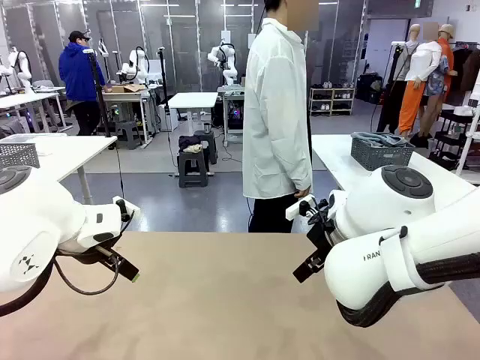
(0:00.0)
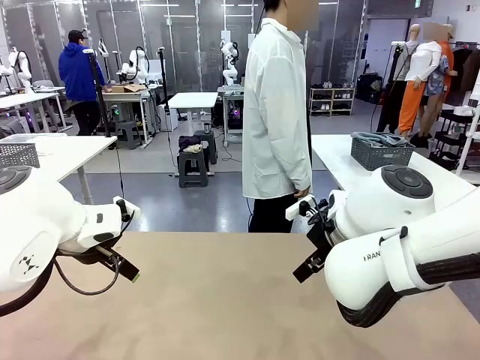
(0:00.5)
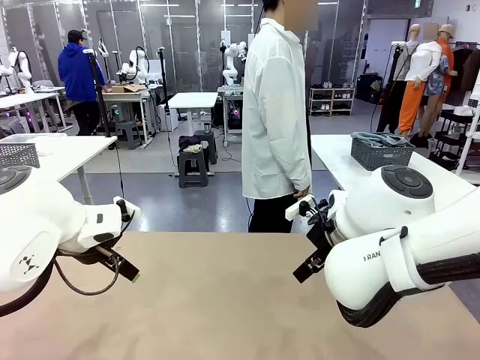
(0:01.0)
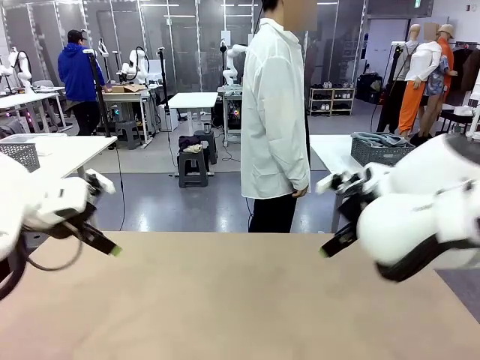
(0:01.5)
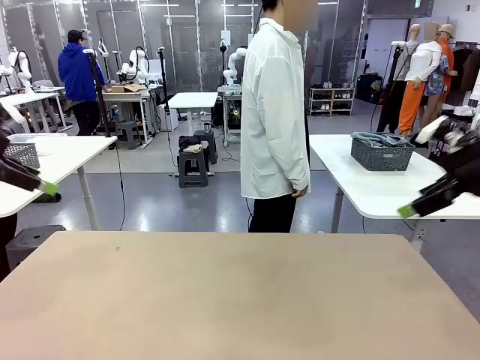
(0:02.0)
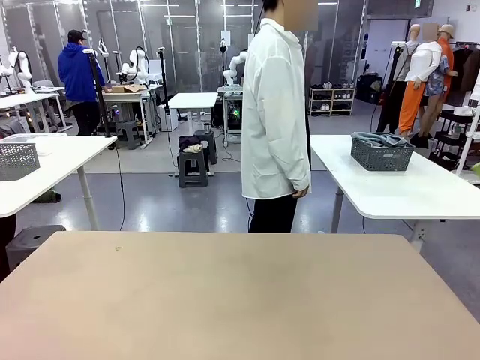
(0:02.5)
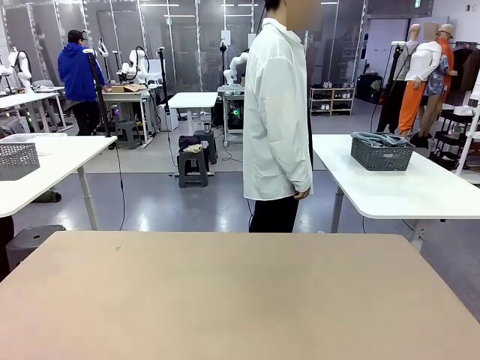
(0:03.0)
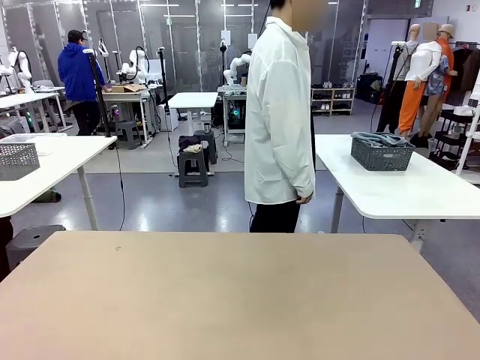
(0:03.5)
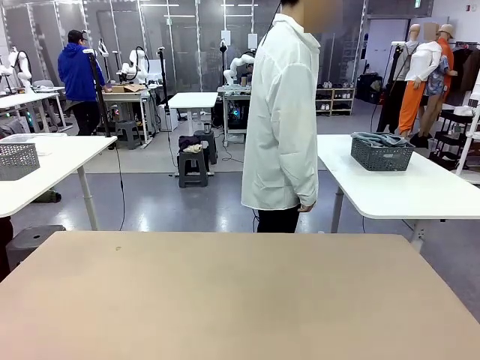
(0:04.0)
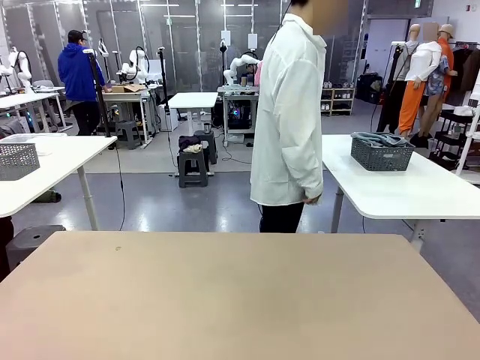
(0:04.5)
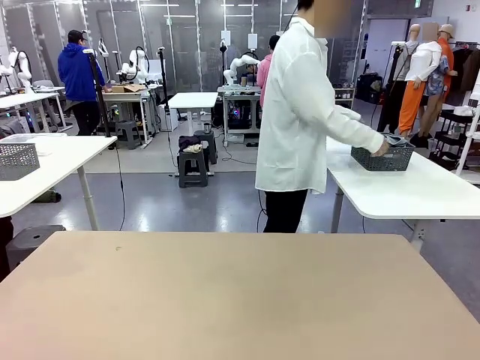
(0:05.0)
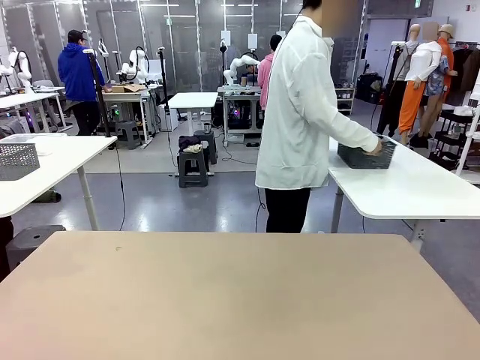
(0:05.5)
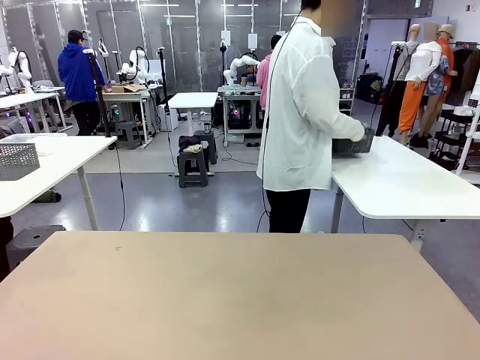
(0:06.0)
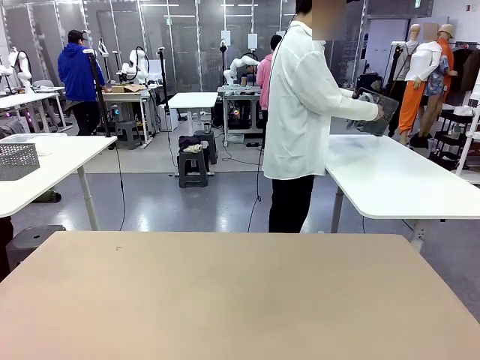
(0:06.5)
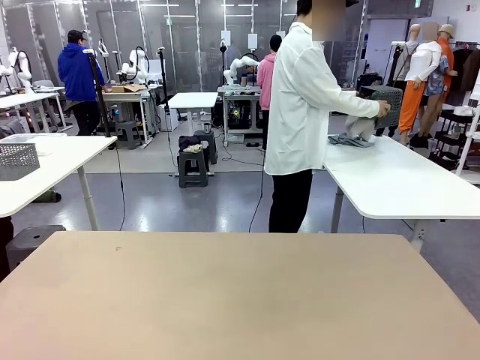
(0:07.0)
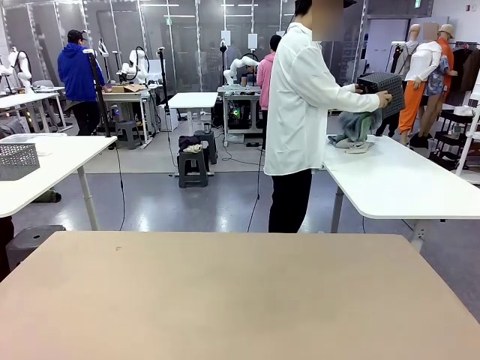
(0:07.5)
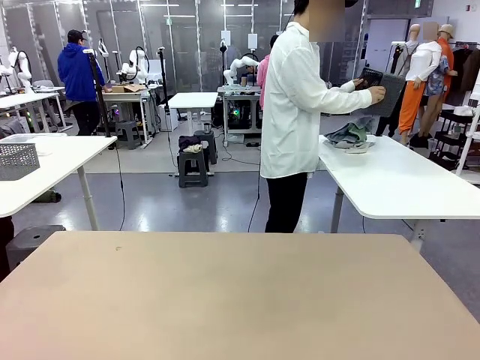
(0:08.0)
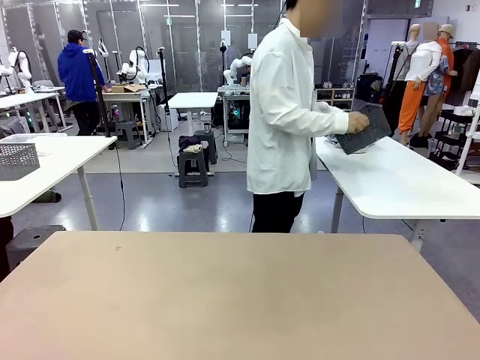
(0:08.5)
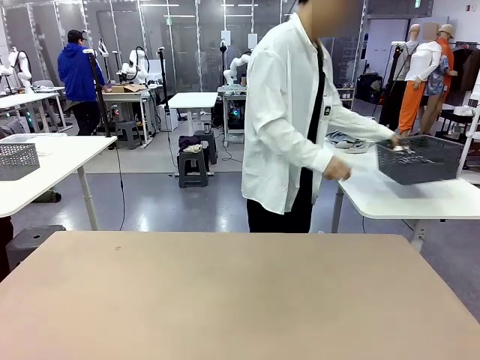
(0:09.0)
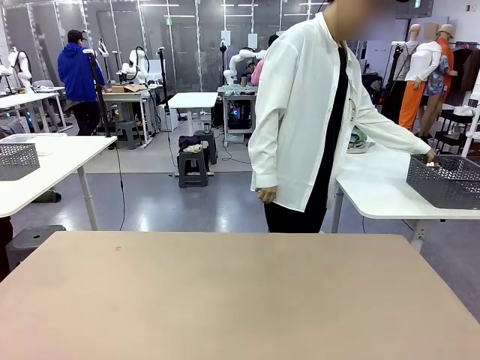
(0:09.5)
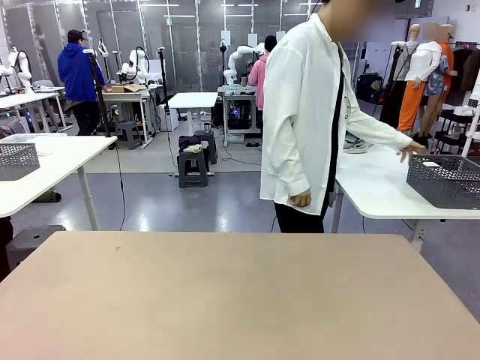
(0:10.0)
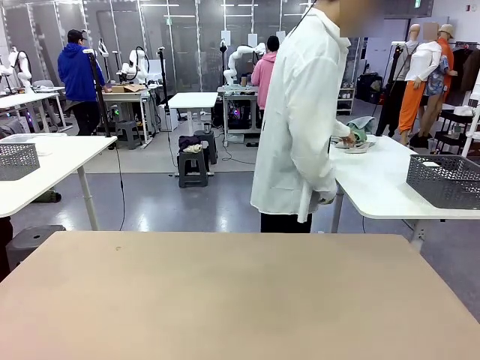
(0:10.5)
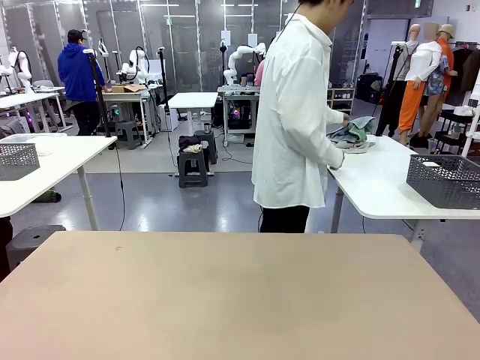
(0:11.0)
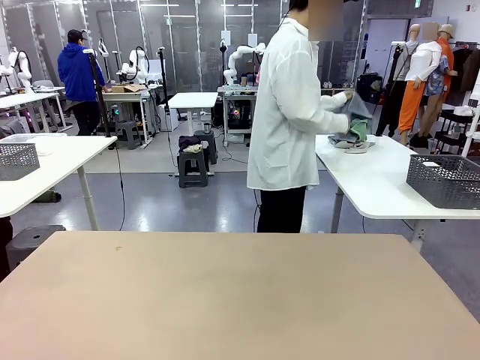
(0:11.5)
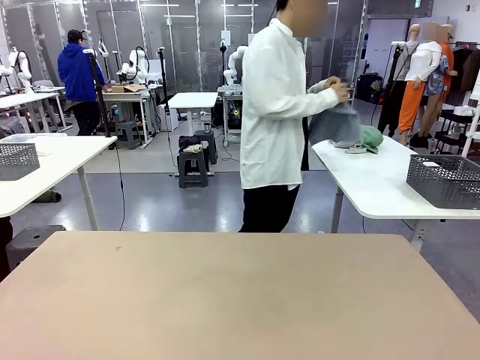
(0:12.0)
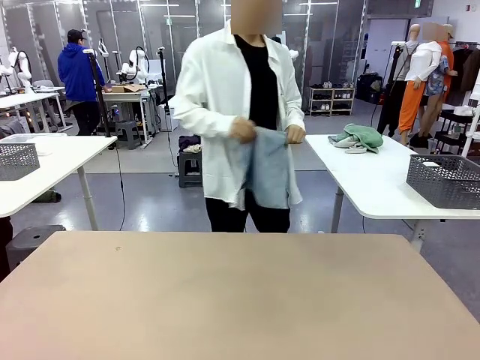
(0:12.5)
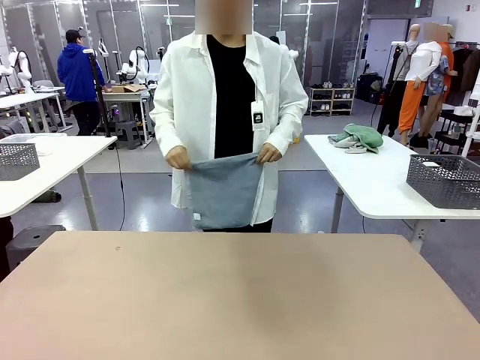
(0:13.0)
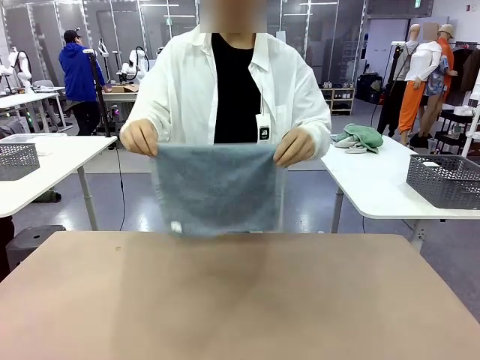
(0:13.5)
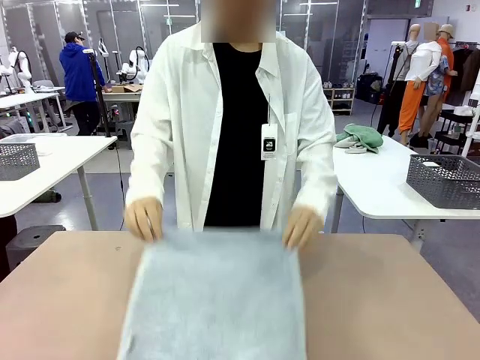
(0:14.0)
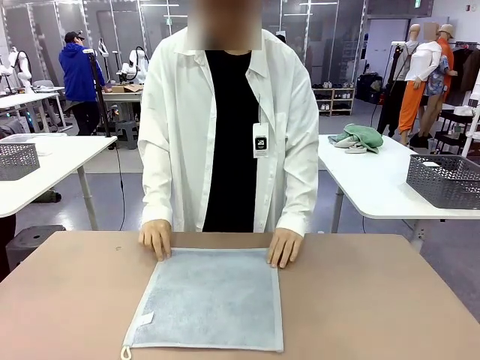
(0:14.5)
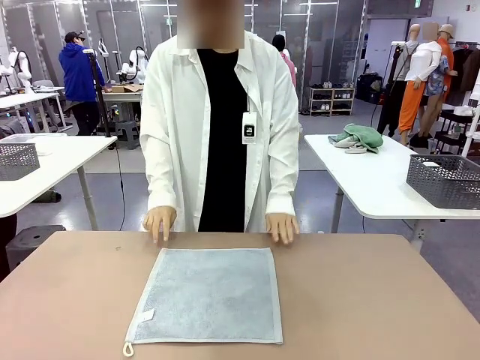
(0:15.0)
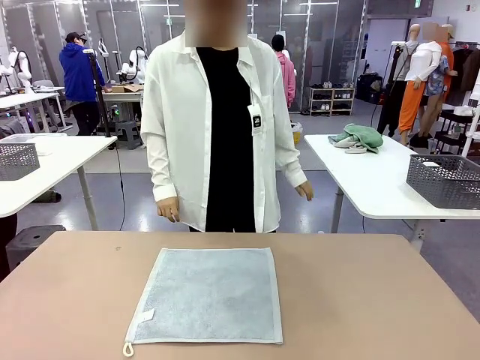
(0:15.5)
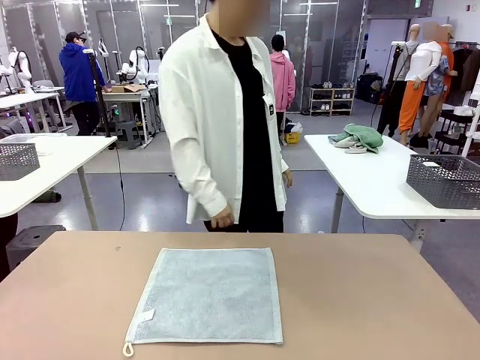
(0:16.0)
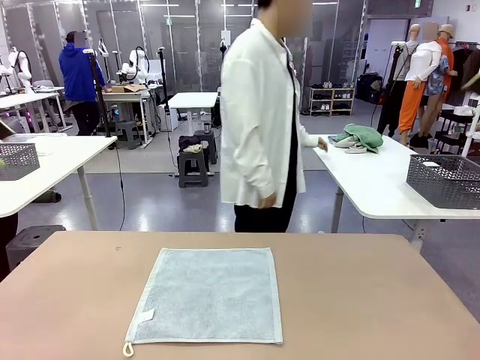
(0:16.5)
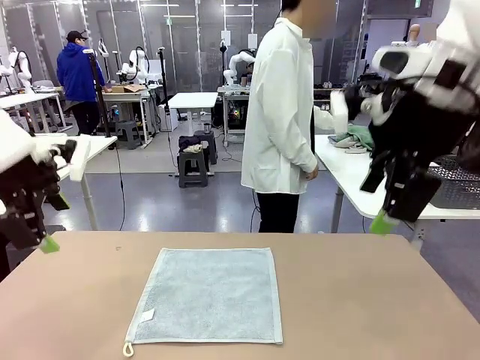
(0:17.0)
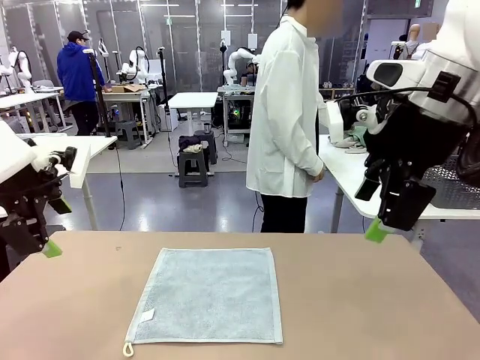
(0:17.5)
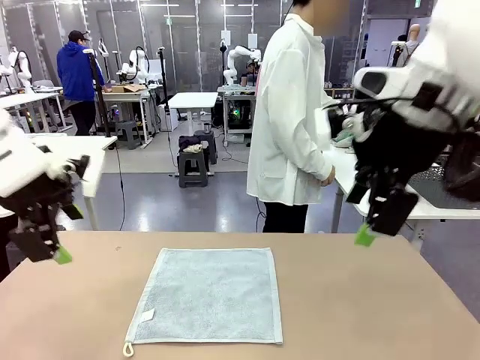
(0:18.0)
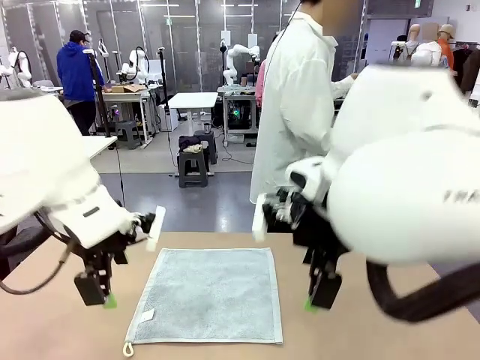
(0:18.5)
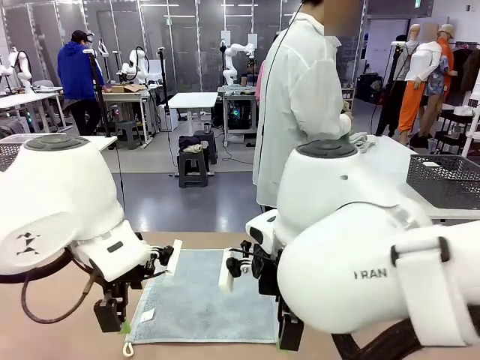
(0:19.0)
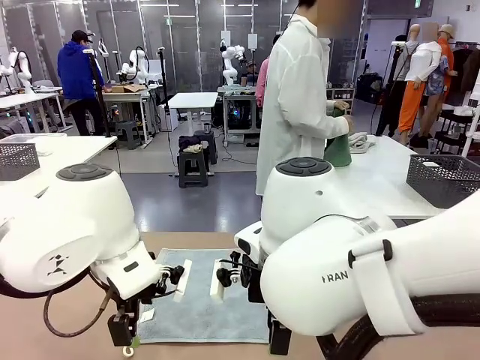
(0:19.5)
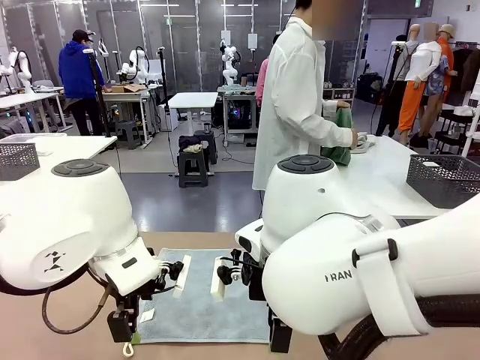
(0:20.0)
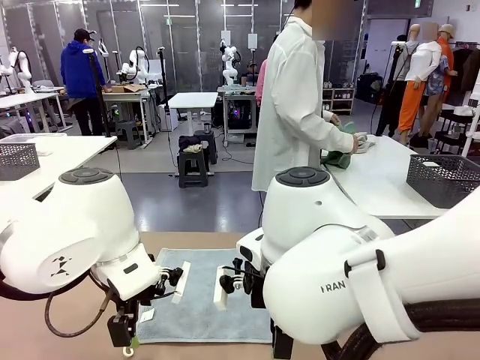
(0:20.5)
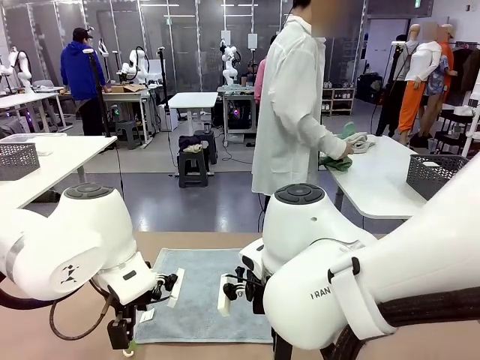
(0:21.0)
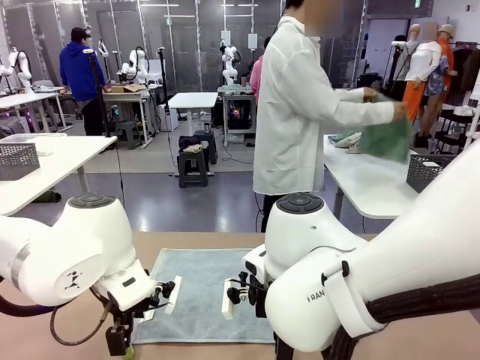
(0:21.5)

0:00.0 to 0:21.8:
Task: Fold the towels and place them in the basket.
Robot: When a person lays out a Towel with hook on the table, fold it in half twice.
Person: Pick up the basket, pour the towels onto the left side of the human table, and place the basket on the right side. Pick up one towel and spread it out at the center of the robot table.
